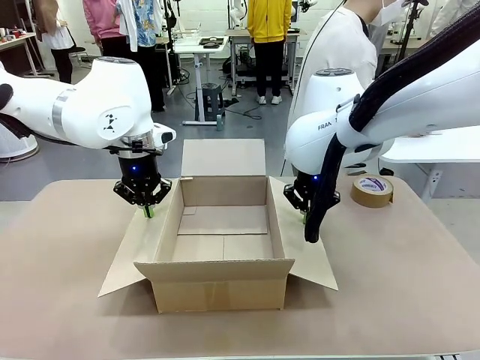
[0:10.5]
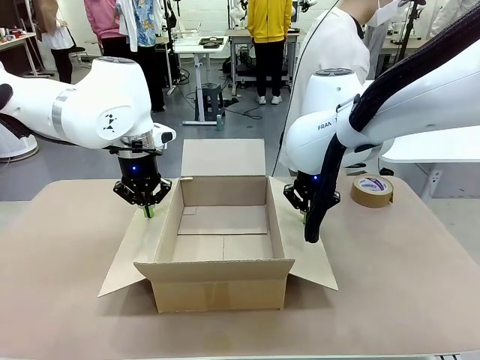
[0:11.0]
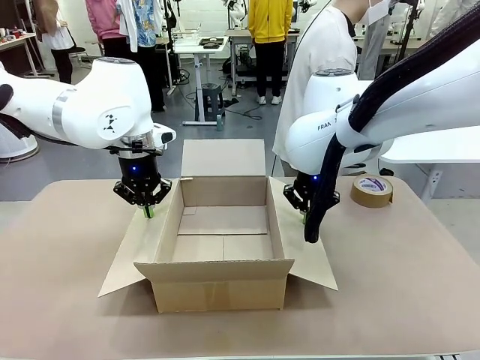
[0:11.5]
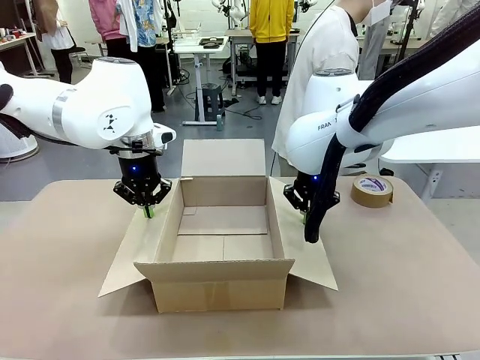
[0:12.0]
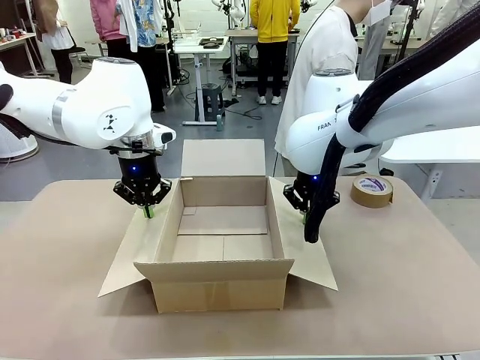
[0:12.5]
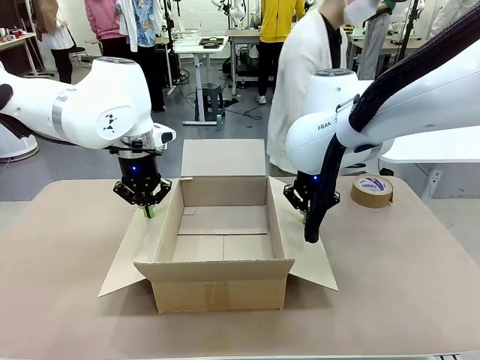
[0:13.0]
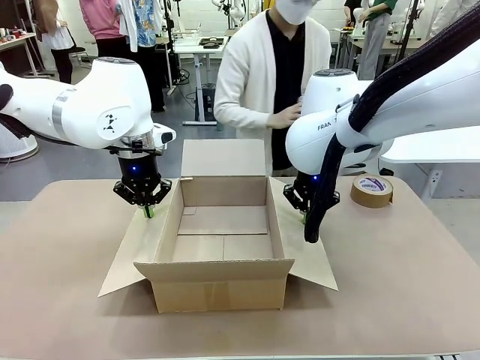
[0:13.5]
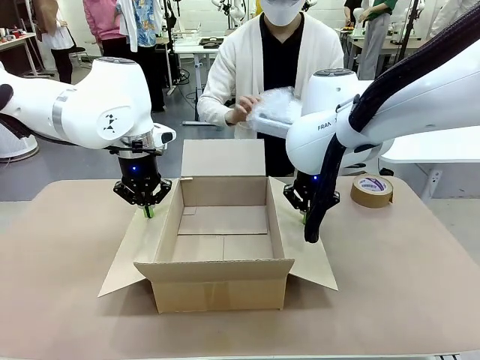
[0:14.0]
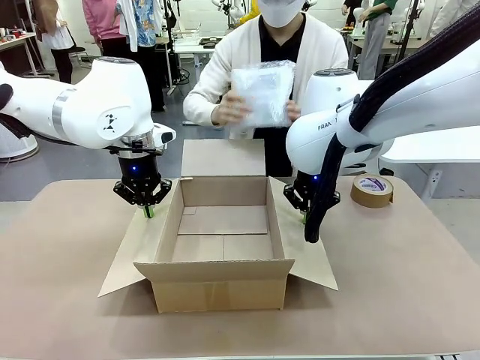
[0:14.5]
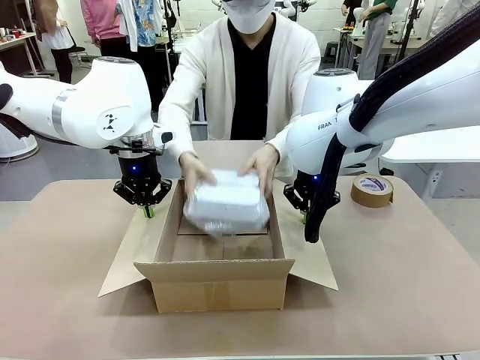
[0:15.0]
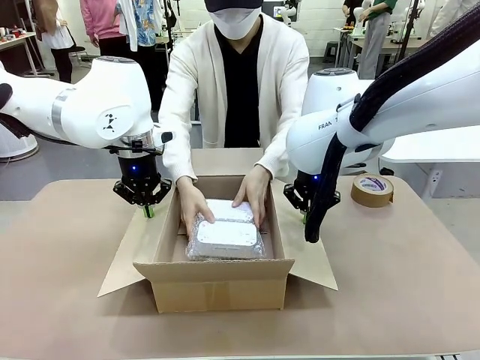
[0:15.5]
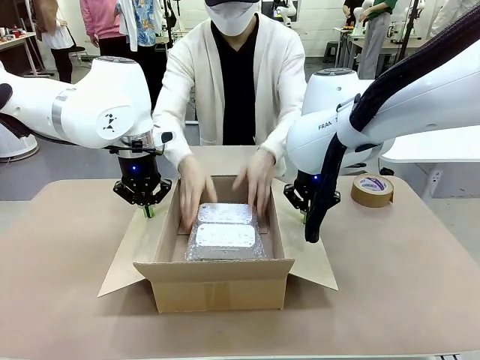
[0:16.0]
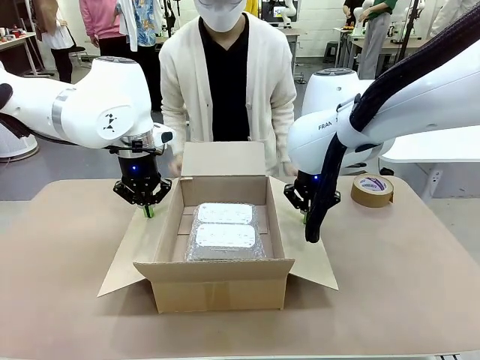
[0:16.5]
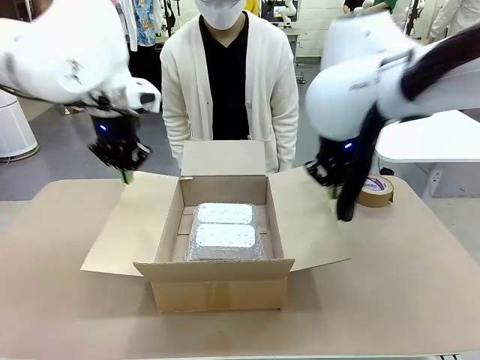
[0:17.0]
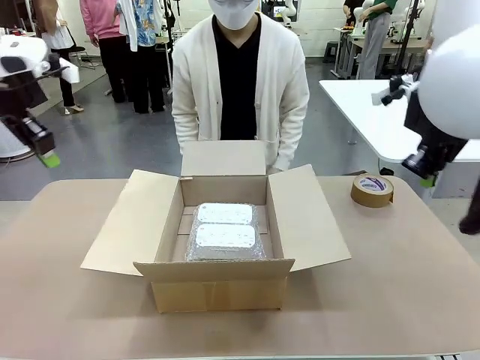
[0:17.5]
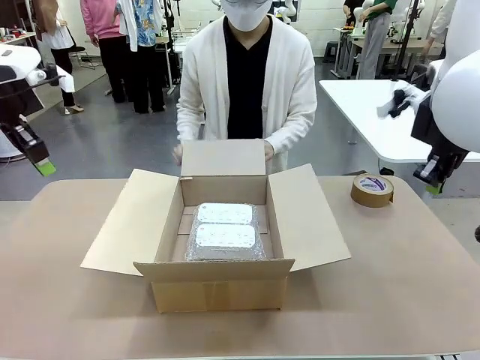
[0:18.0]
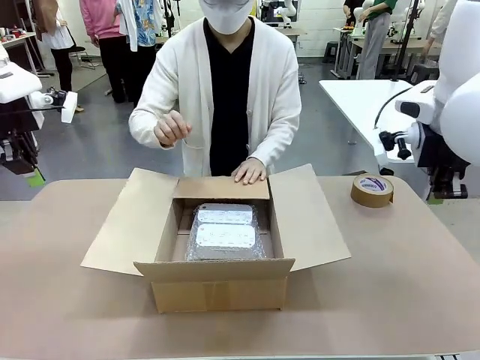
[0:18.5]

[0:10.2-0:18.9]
Task: Wrap the clocks to prevent damage.
Robot: Once the human has placed the objects inside and stepped back, release both hands from the side flaps of the Package Box.
Person: Place the wrapped Digital clocks inside the Package Box. Hold the top and bottom flaps of the Package Box closed with your left (or right) hand.

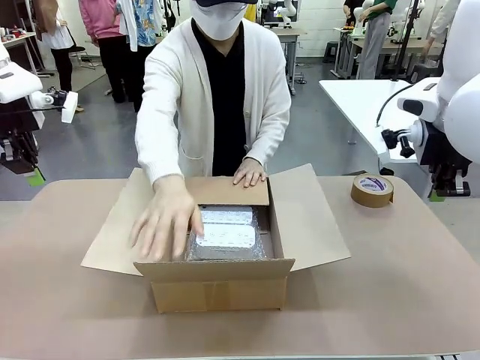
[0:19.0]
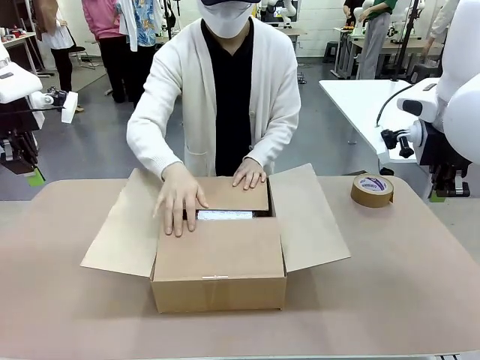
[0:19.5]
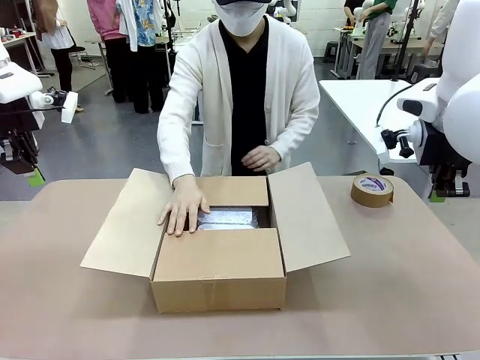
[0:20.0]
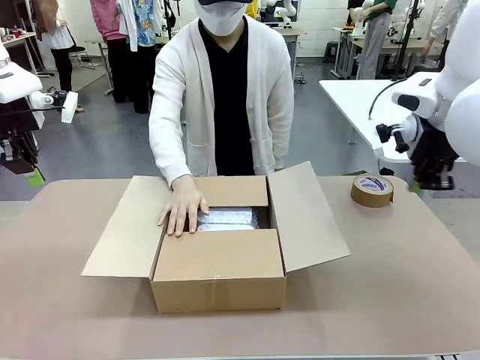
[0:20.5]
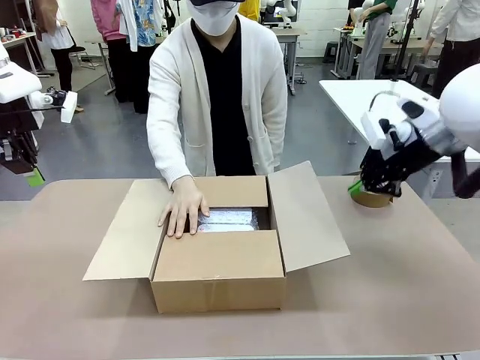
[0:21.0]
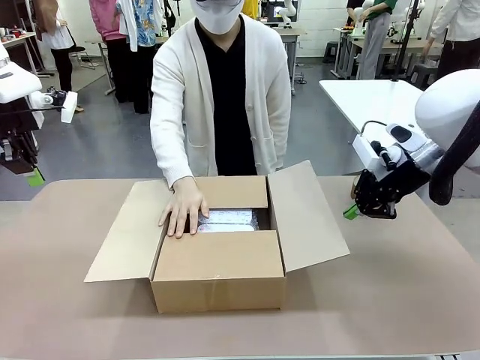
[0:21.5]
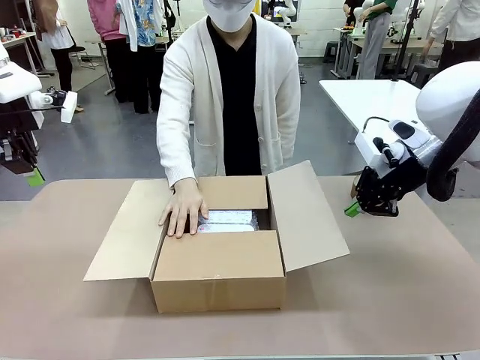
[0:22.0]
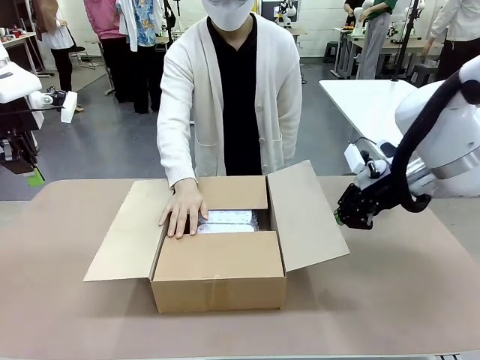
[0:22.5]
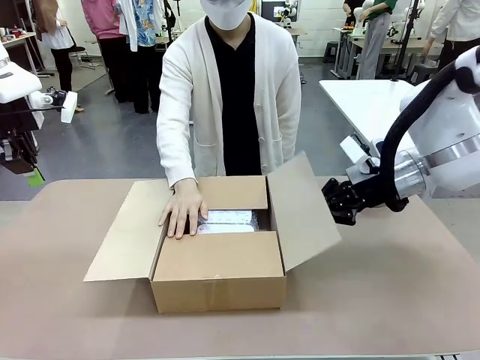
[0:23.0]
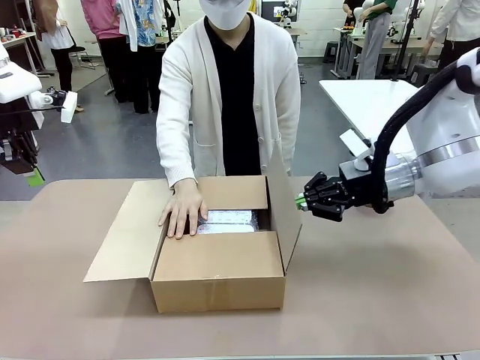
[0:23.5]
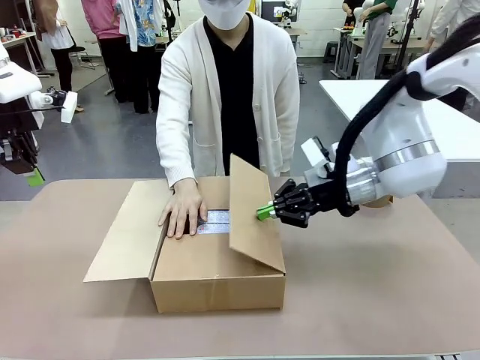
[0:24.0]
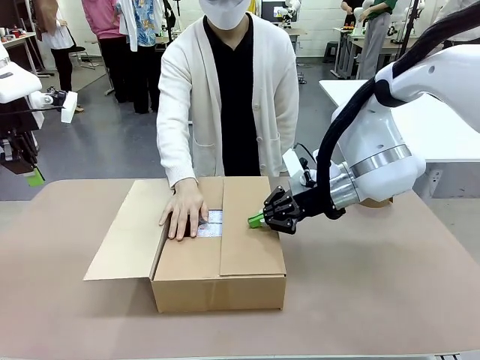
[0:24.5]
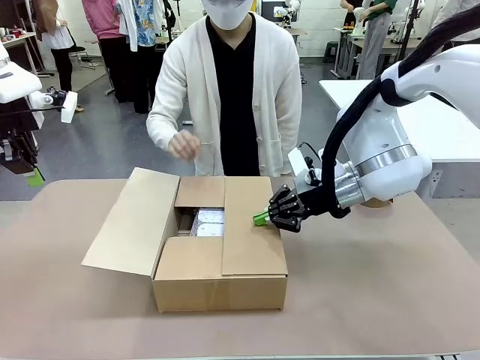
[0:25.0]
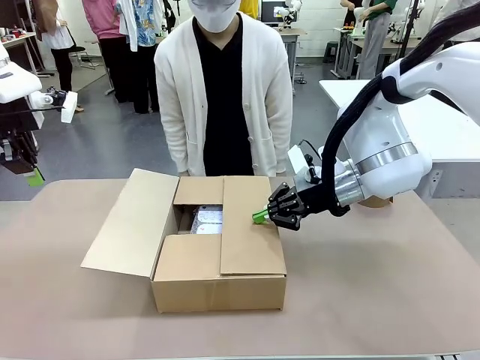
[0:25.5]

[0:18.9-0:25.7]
Robot: Push the right (or left) flap of the Package Box to close it.
Person: Once the robot closes the right flap of the Package Box , release your left hand from the box.

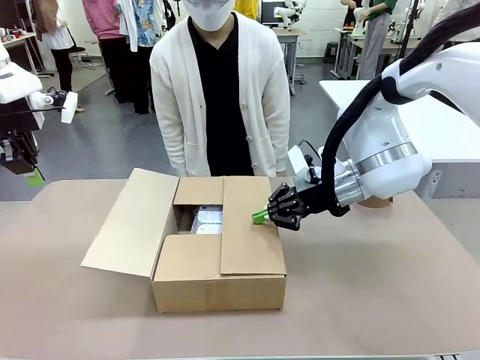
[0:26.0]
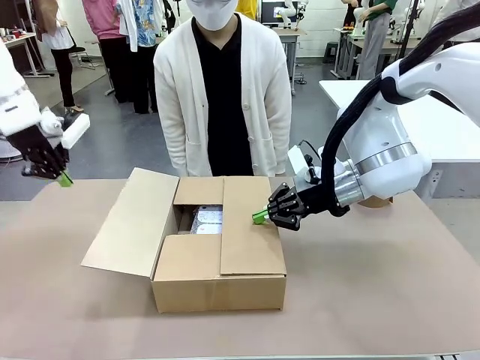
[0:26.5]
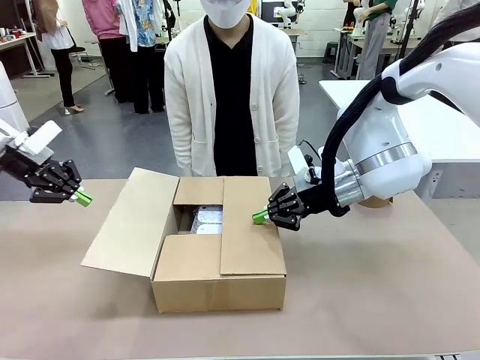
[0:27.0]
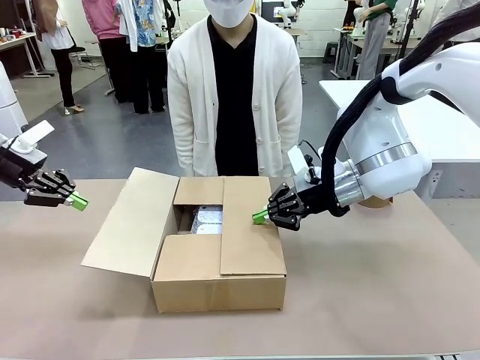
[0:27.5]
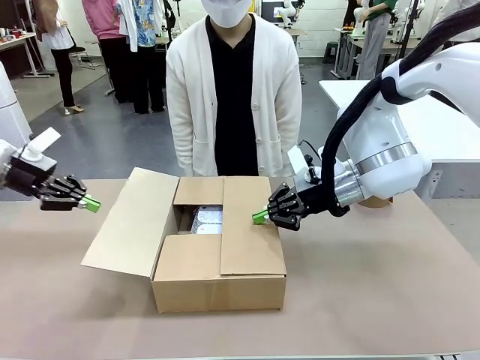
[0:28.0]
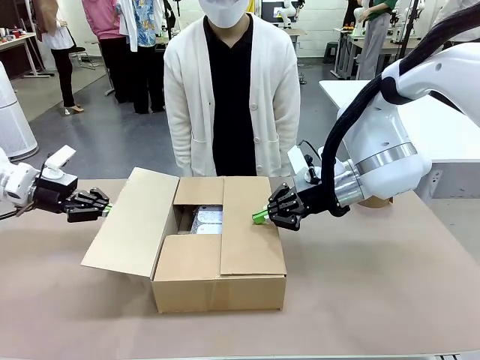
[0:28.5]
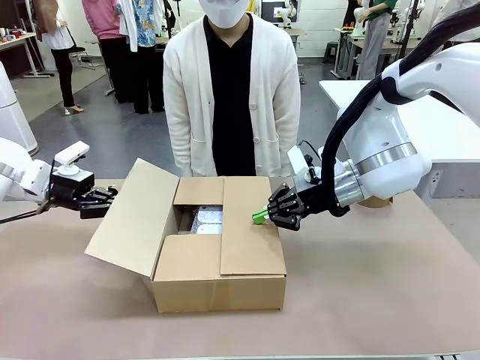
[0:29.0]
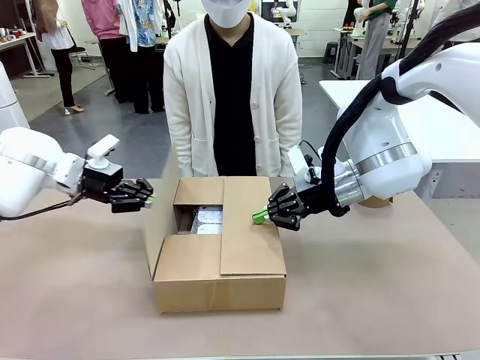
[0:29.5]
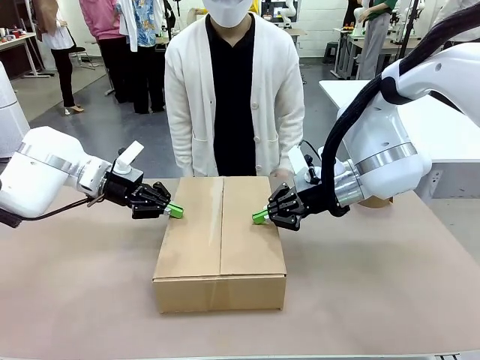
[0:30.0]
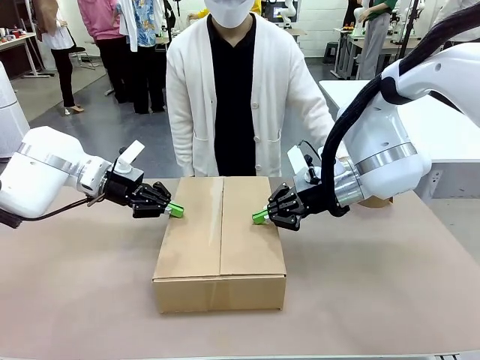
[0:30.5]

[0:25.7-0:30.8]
Robot: Push the left (or right) flap of the Package Box to close it.

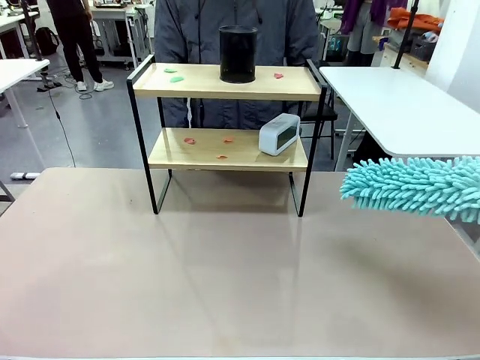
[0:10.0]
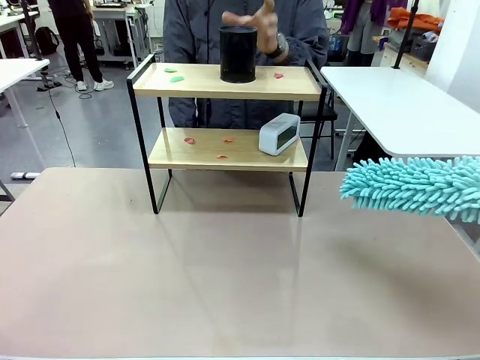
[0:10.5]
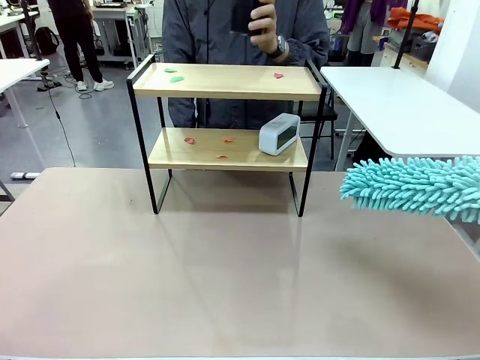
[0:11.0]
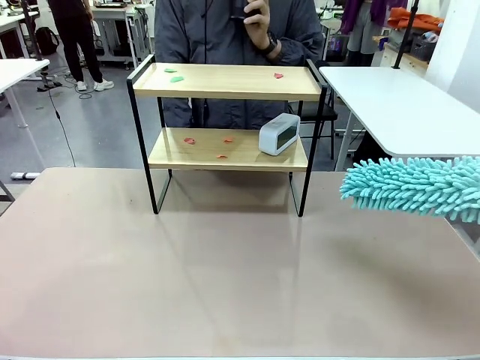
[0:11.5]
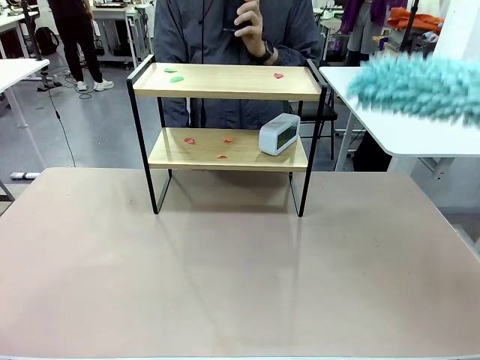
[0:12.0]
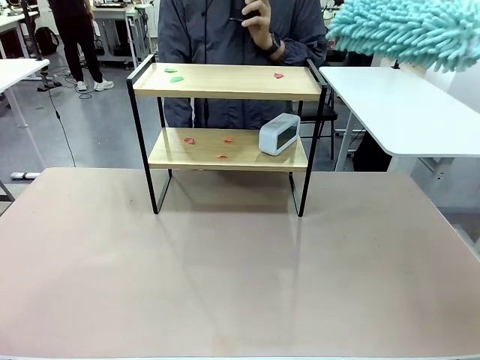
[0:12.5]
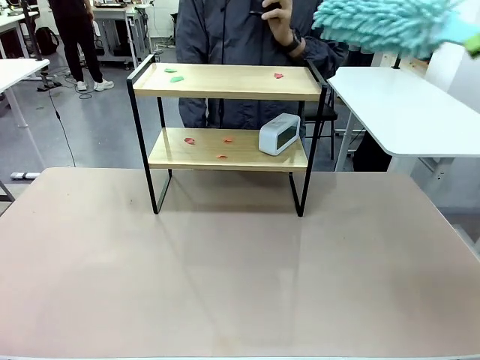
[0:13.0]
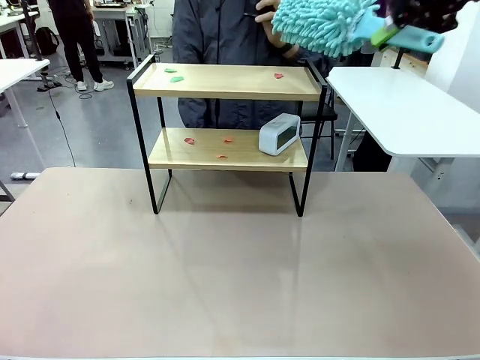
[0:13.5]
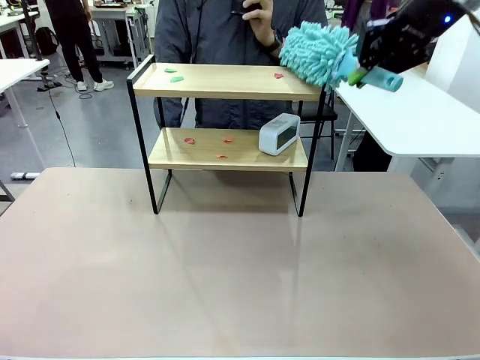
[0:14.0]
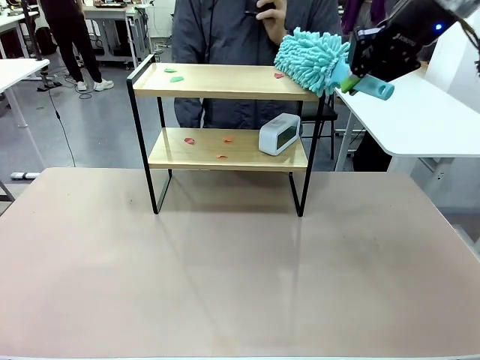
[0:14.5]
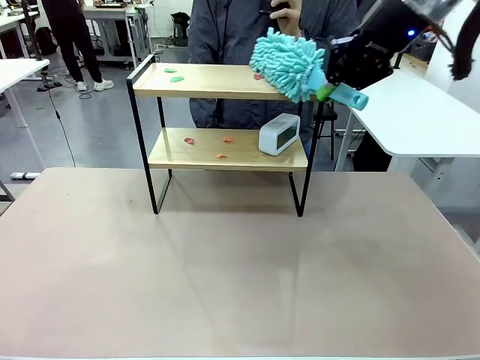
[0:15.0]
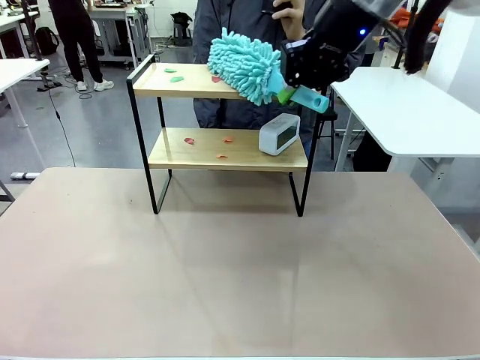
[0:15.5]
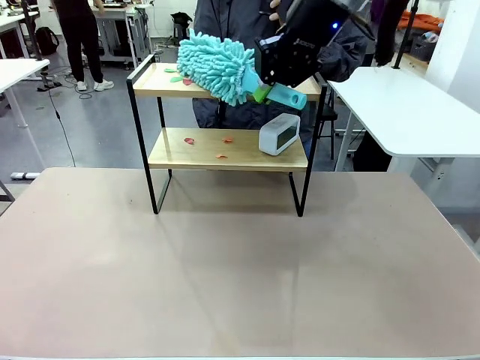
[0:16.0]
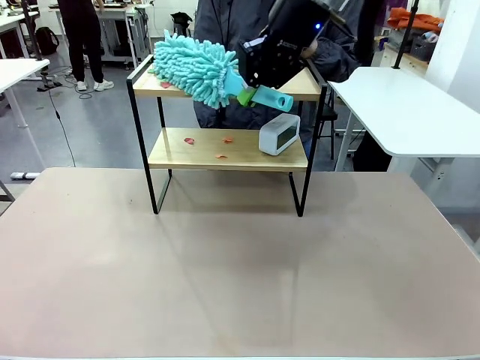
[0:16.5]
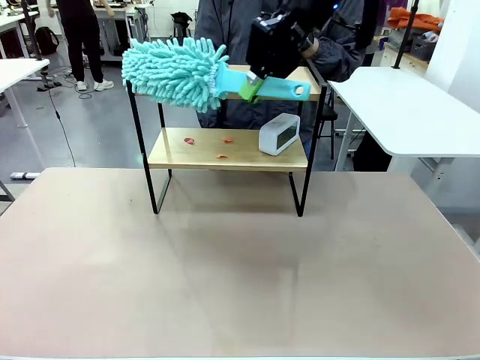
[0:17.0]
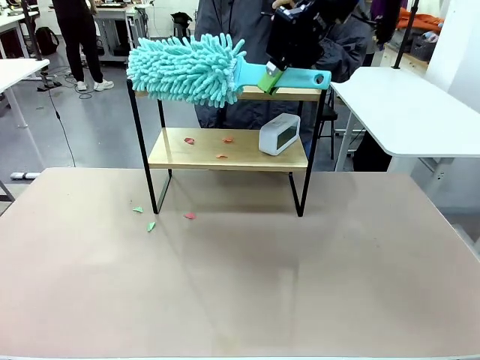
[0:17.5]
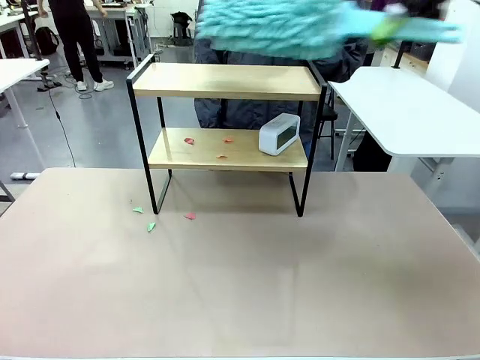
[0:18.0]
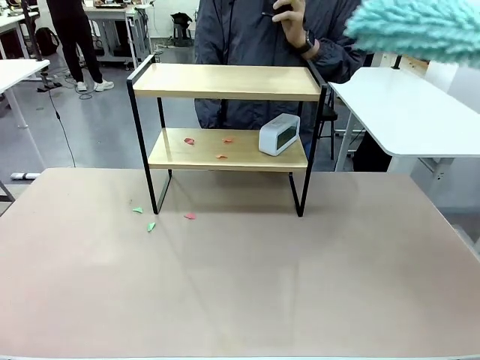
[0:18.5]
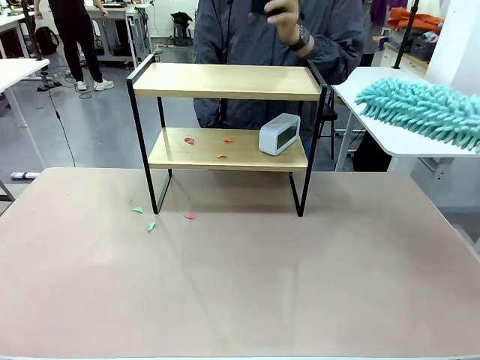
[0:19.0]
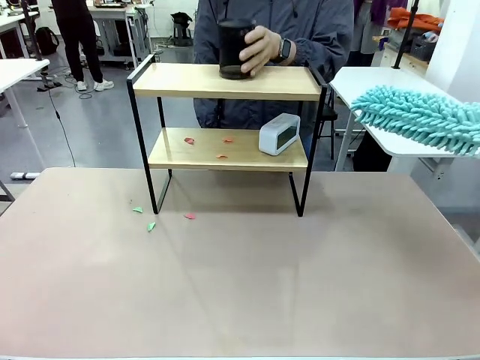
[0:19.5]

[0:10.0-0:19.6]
Task: Clean the shelf.
Robot: Clean the specific tier of the Shelf with the Duster once objects are removed.
Person: Lift the objects on a randomly selected tier of the Shelf. Once the robot finishes cleaning, lift the objects on the remaining tiers of the Shelf.
